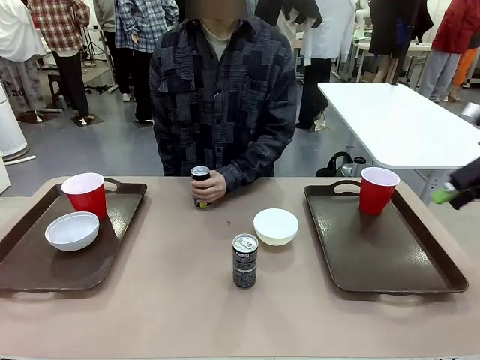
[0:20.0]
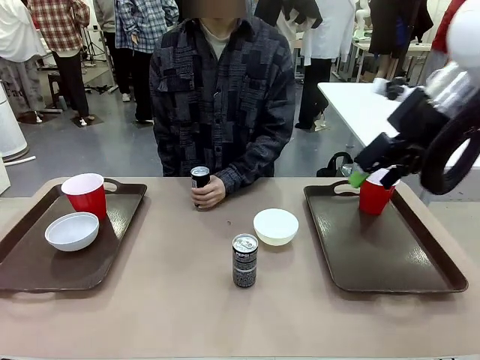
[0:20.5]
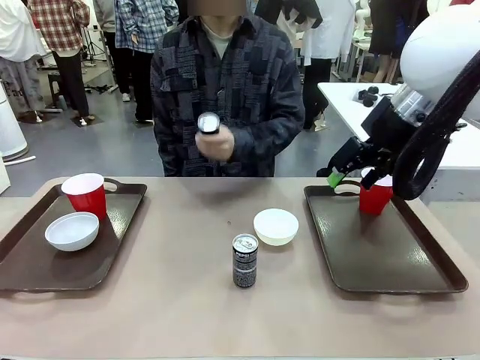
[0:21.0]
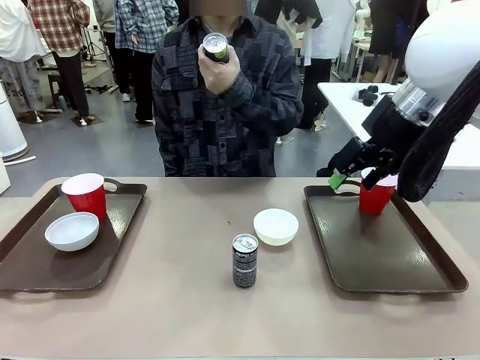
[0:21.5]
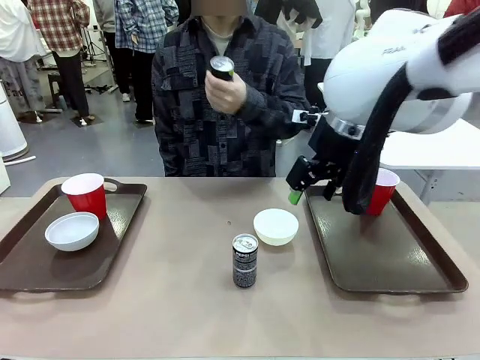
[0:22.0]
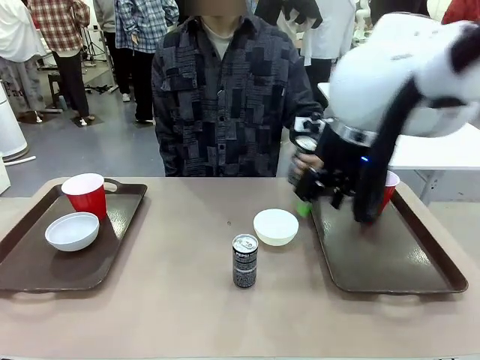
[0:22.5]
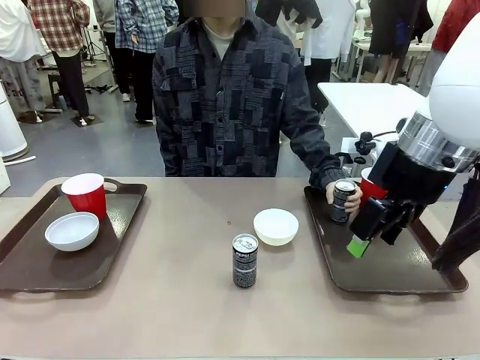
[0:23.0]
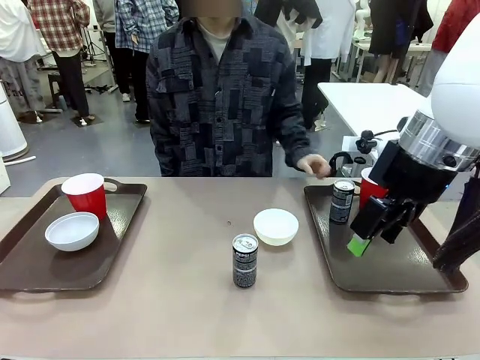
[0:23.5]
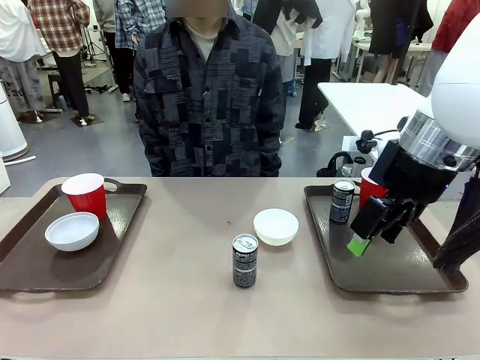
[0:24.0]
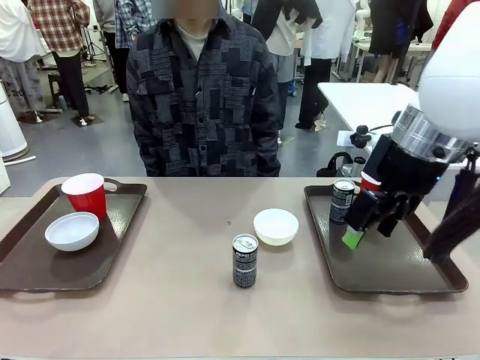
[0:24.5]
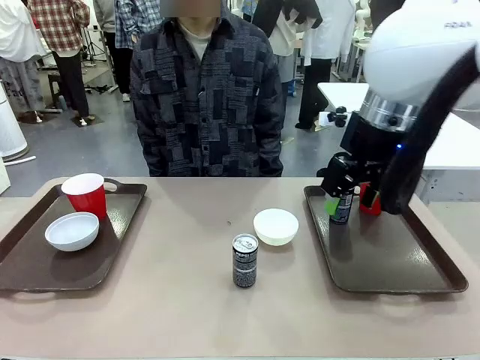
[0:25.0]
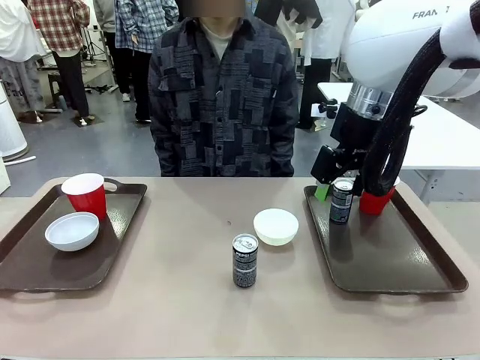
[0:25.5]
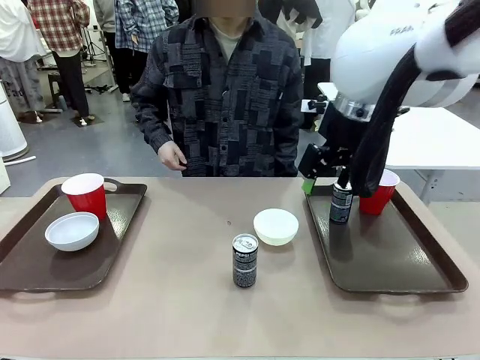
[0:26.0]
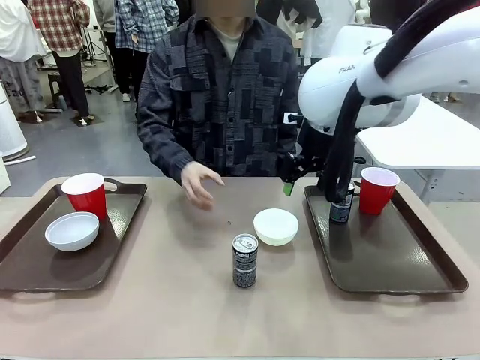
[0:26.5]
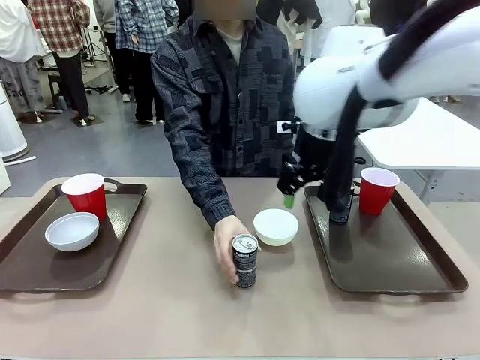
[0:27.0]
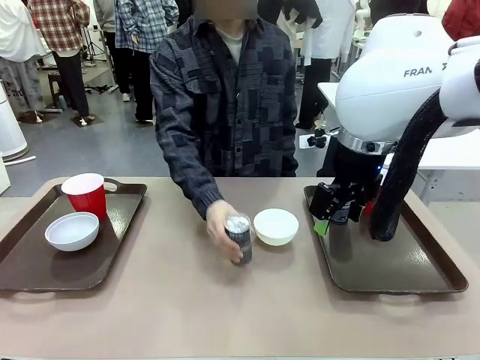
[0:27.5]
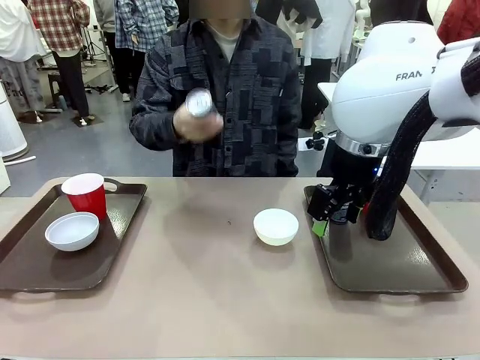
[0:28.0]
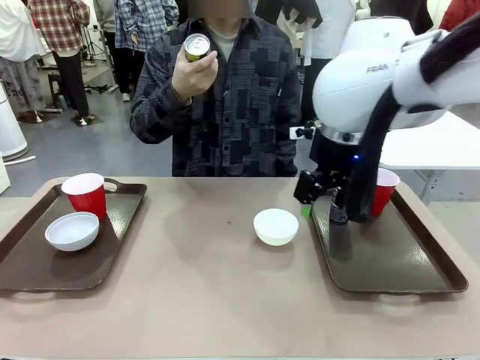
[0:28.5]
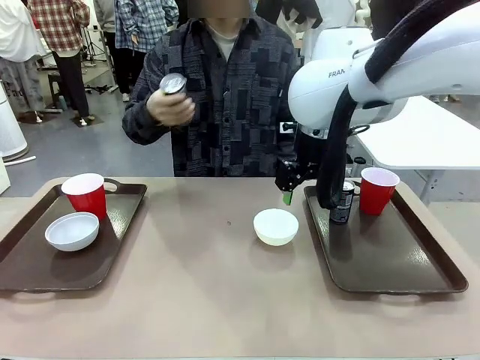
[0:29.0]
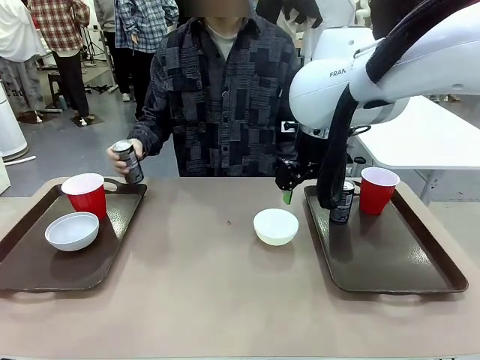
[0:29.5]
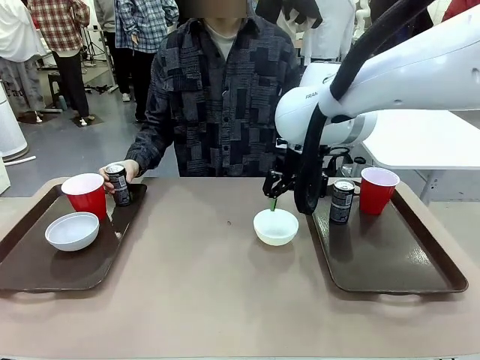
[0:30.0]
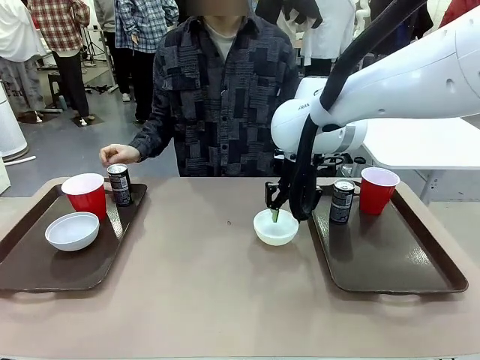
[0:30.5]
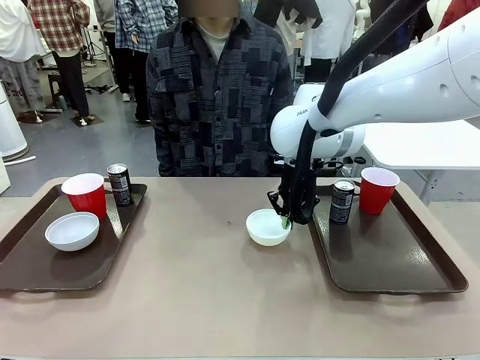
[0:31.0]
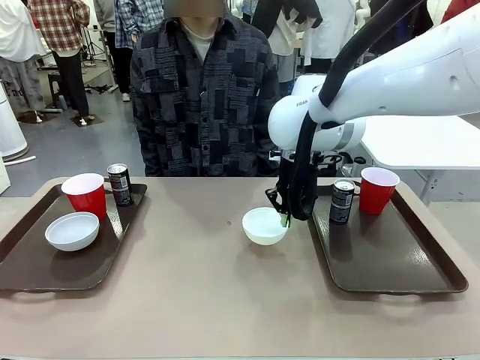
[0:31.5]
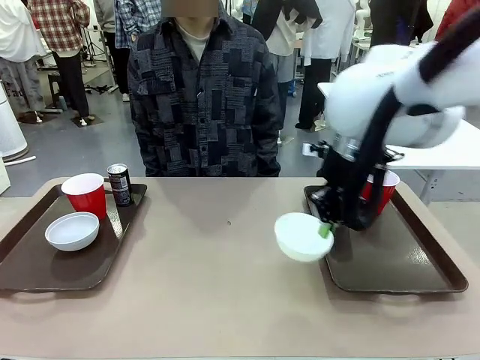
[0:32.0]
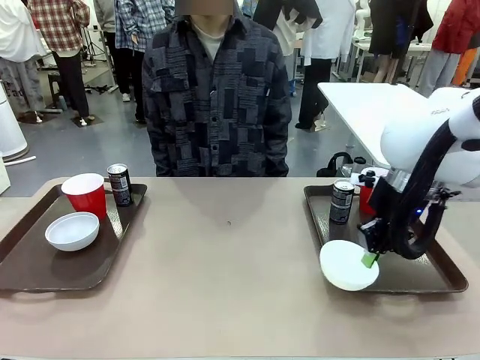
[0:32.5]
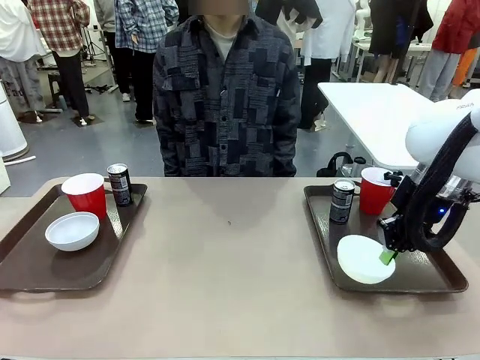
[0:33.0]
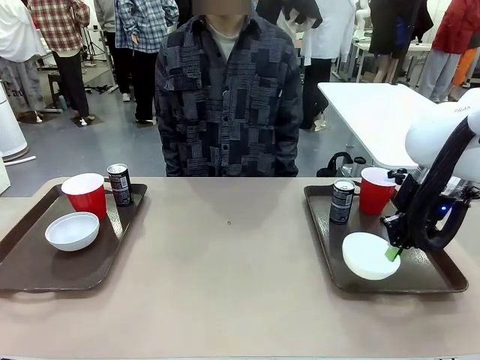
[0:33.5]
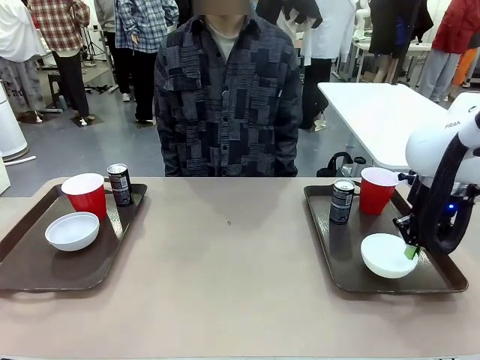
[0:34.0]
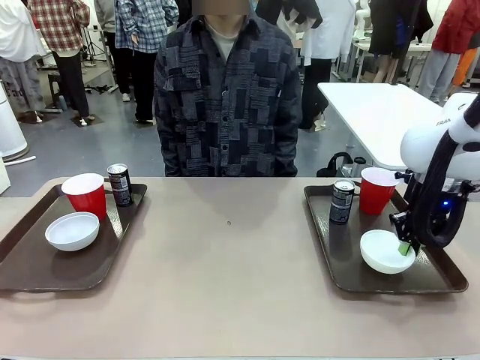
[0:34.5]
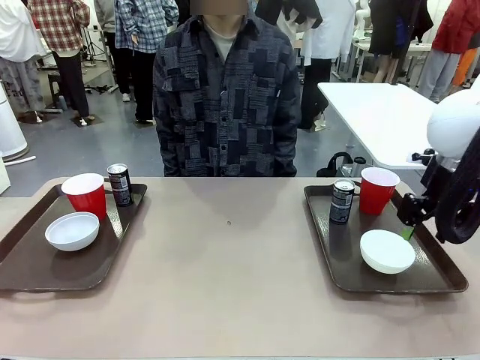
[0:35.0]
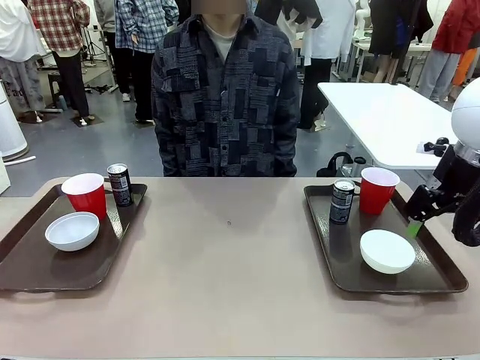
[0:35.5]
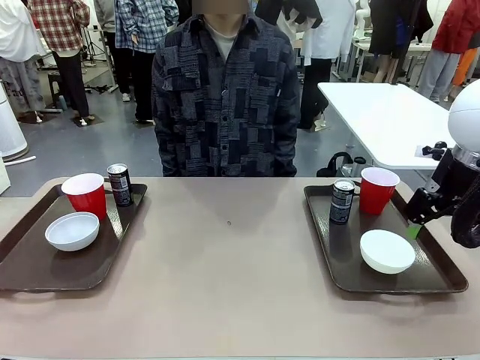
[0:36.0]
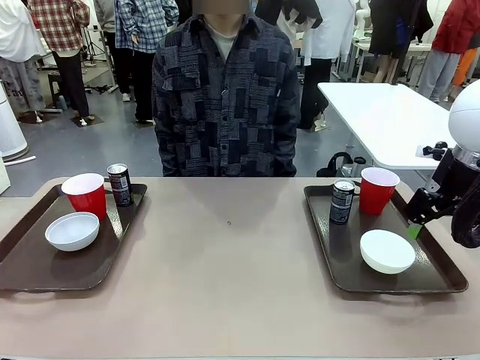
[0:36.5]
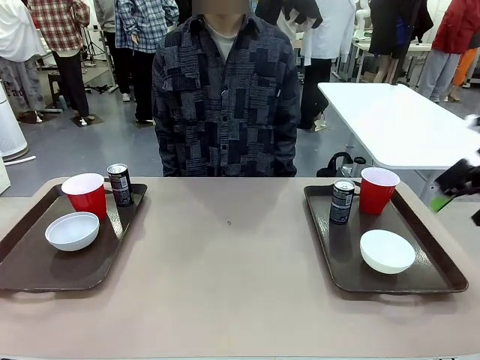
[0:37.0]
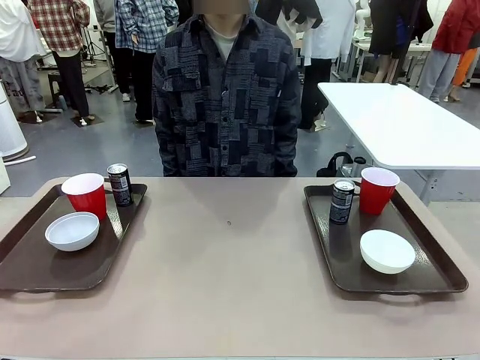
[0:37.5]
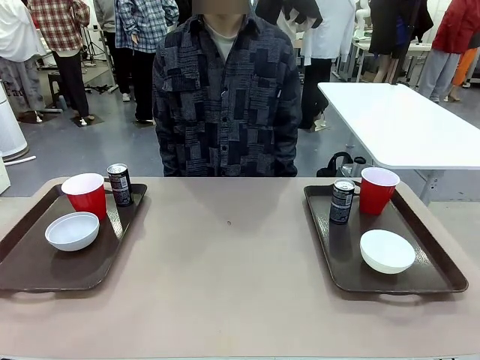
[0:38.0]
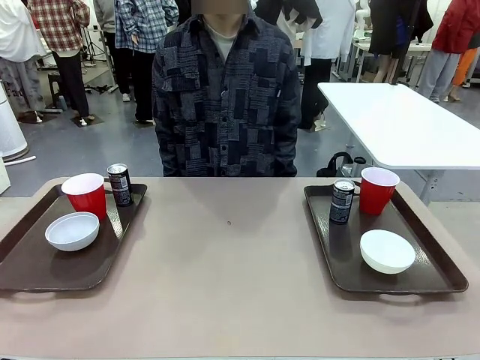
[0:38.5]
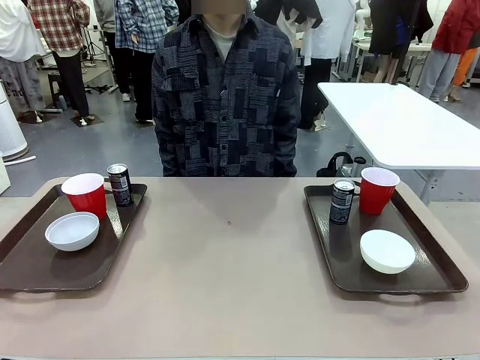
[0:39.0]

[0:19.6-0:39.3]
Task: Prepare tableware on both trays.
Robot: Pick up a Picnic Bowl from the table and place it on a Handle tray.
Person: Pick up a can or cup and place it on the tray without a can or cup.

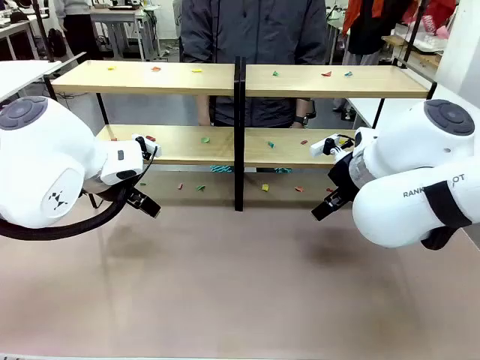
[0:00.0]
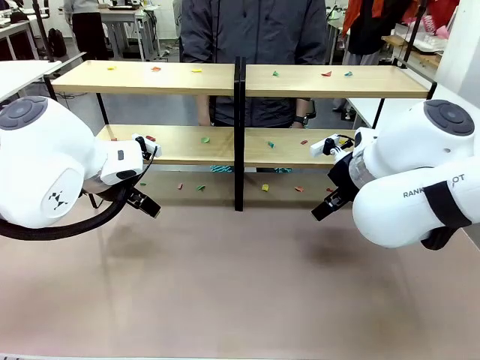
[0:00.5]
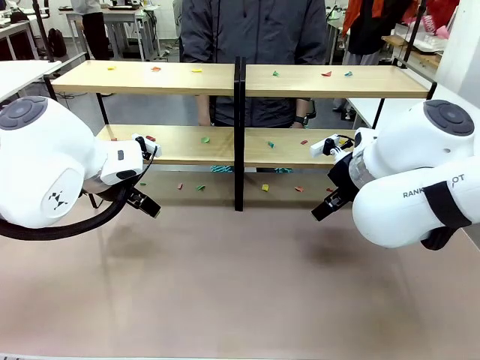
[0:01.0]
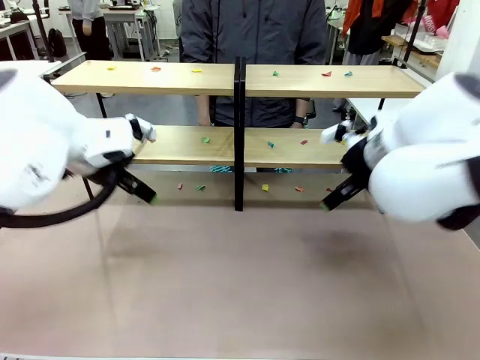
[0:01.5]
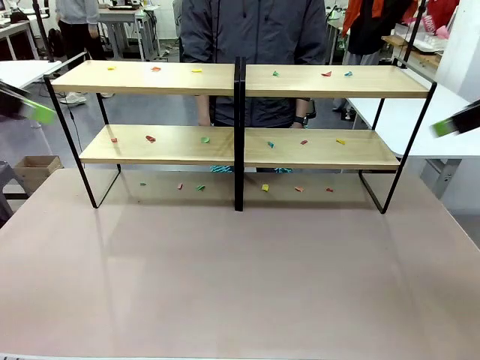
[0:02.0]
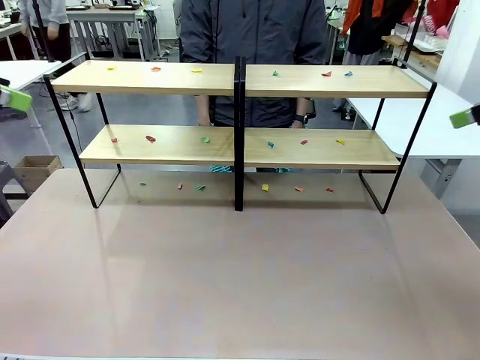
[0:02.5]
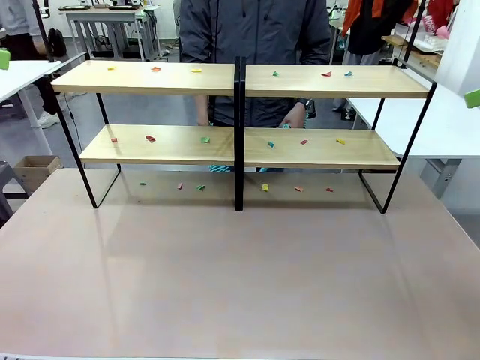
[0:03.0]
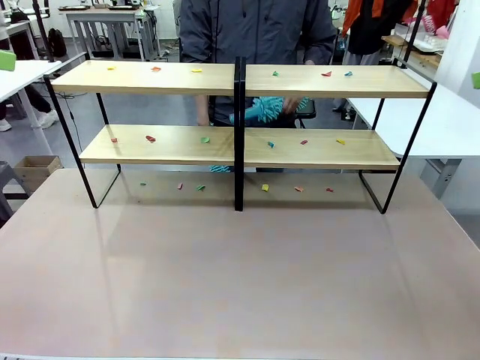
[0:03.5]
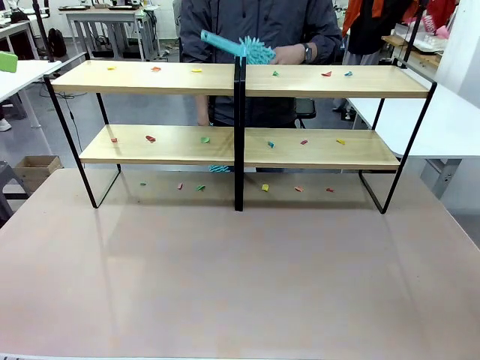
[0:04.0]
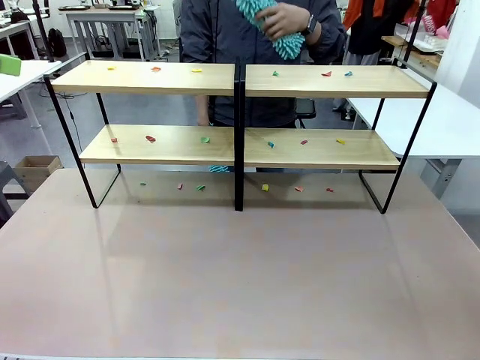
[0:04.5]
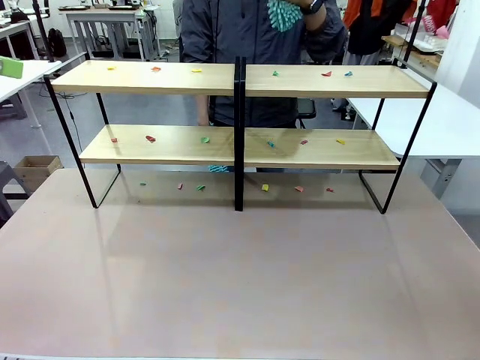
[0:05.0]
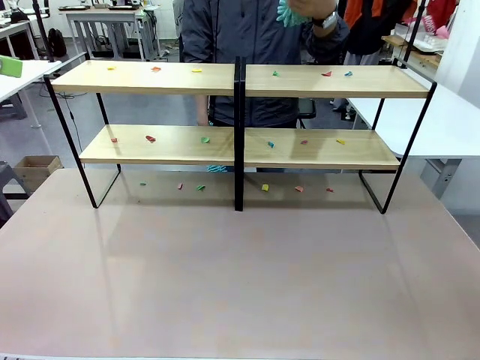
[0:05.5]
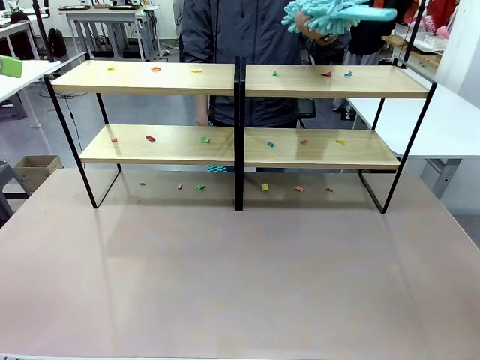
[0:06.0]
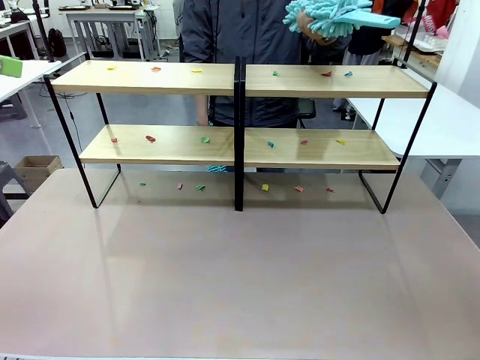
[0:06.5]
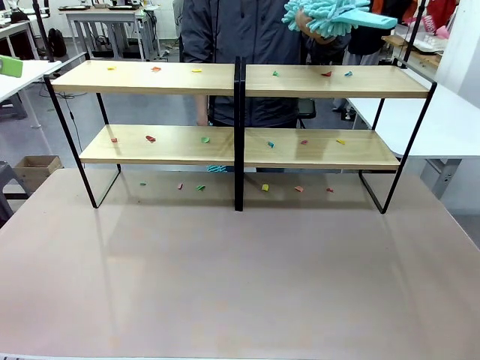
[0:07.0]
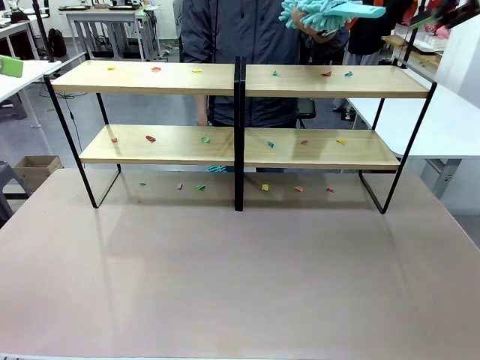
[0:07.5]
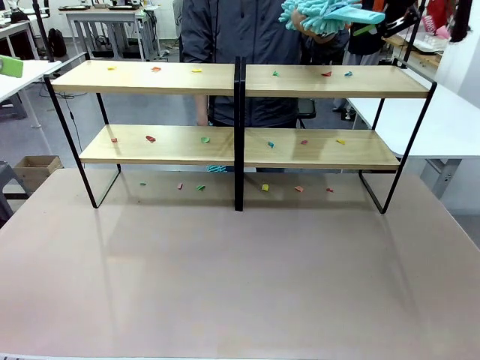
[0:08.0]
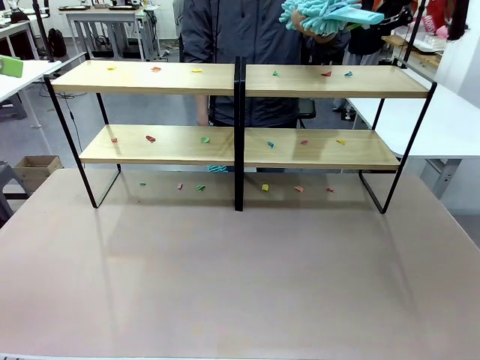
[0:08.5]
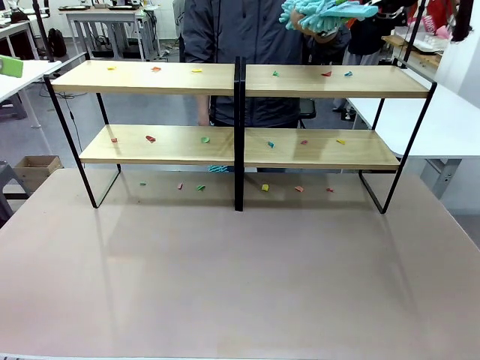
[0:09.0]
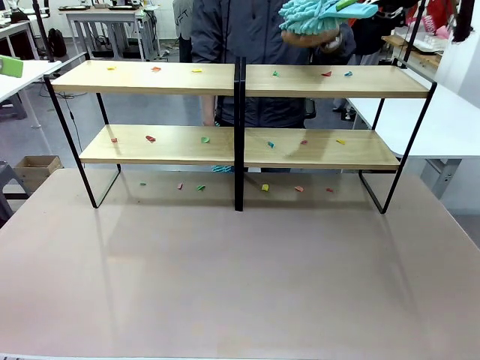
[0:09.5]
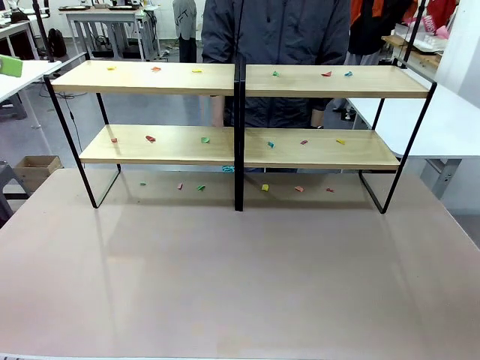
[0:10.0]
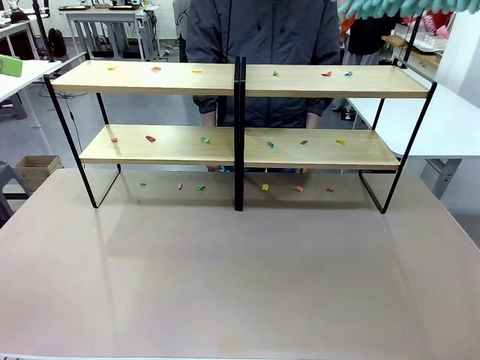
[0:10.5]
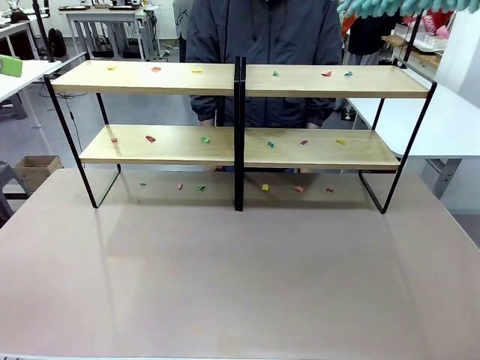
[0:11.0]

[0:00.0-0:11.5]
Task: Clean the shelves.
Robot: Pick up the Duster when the human hands it over.
Person: Hand the Duster to the robot with your right (or left) hand.
